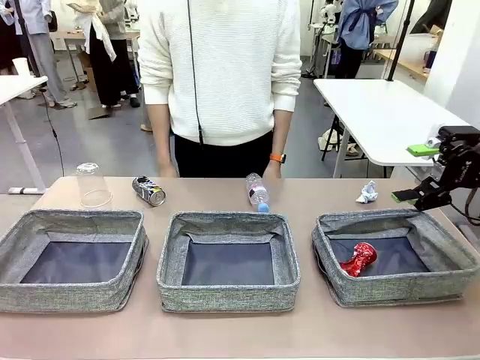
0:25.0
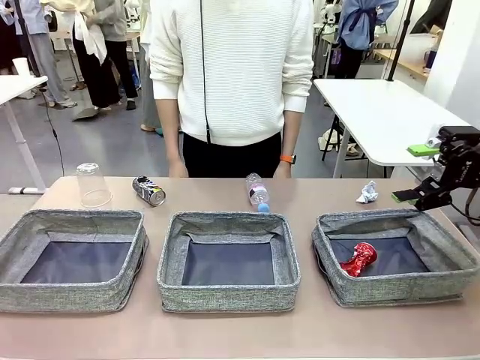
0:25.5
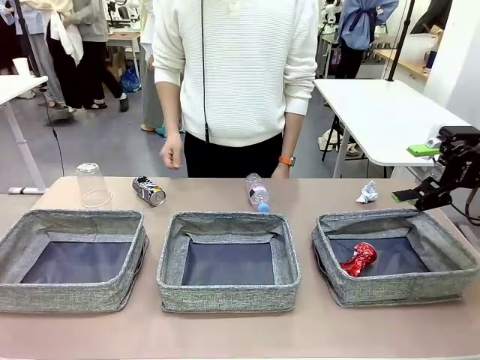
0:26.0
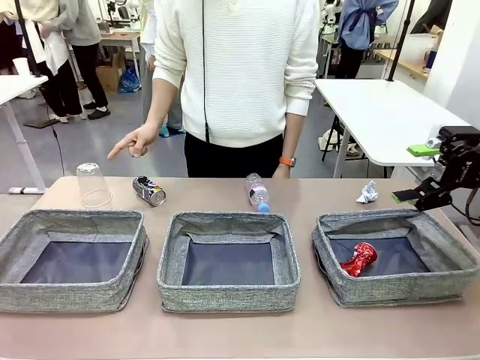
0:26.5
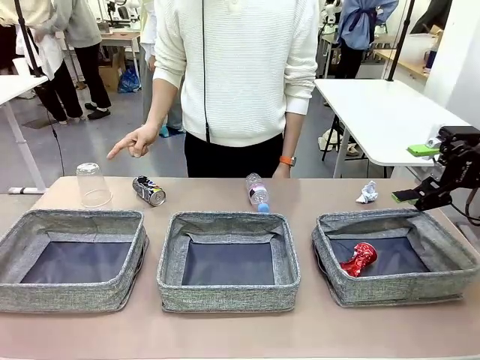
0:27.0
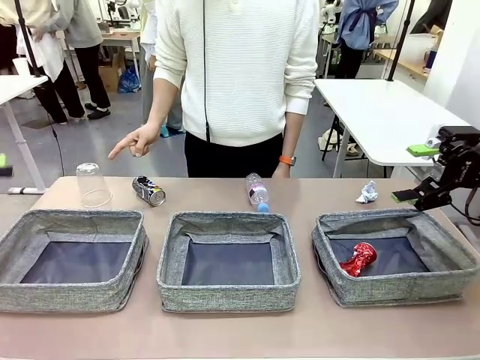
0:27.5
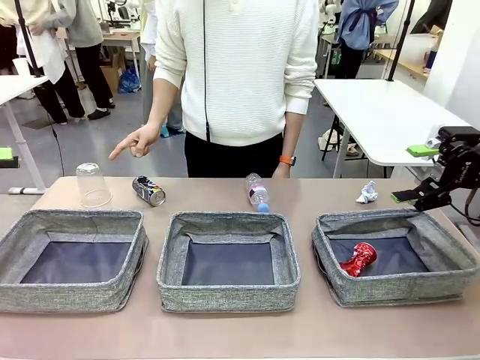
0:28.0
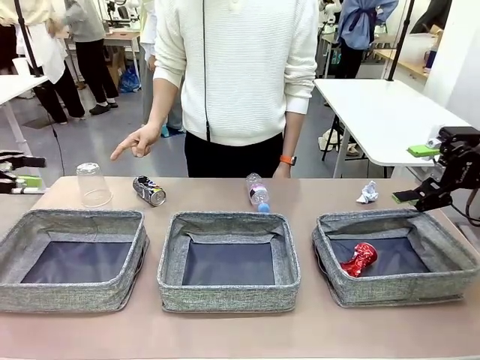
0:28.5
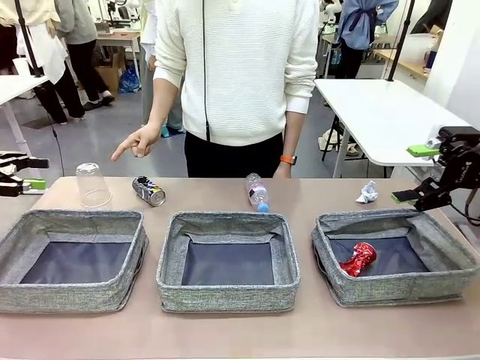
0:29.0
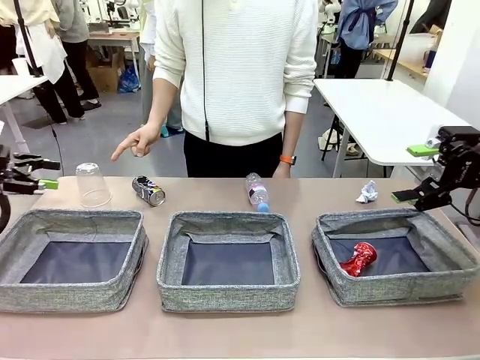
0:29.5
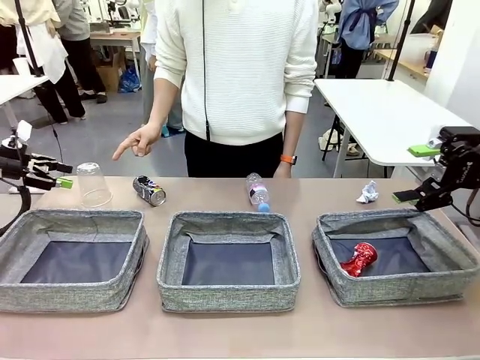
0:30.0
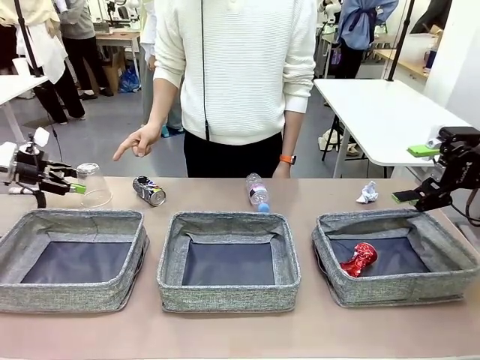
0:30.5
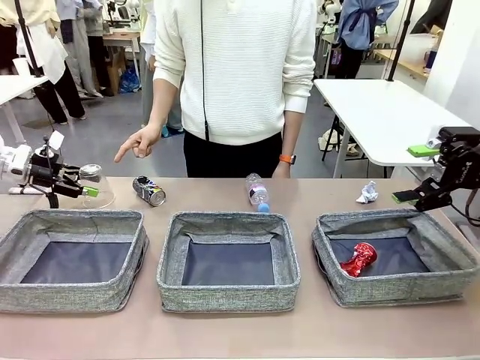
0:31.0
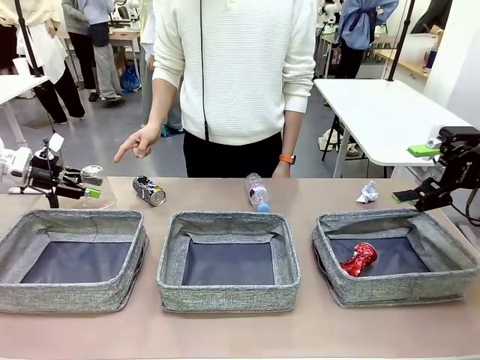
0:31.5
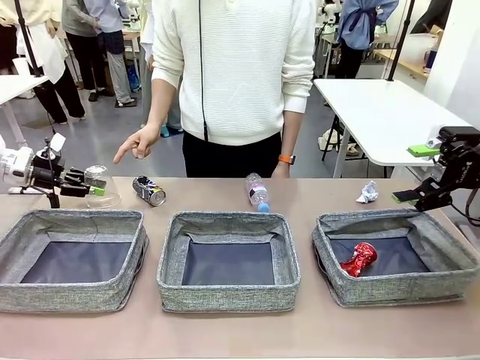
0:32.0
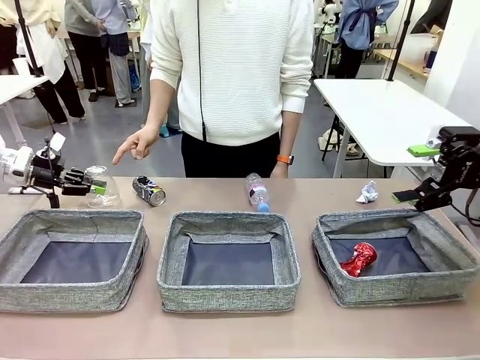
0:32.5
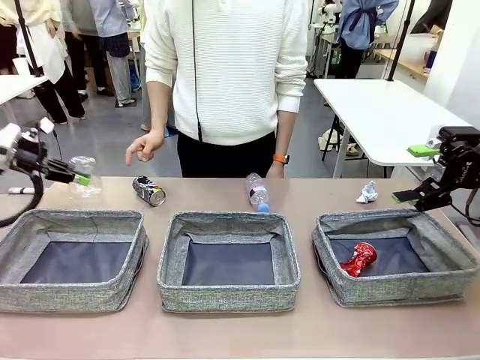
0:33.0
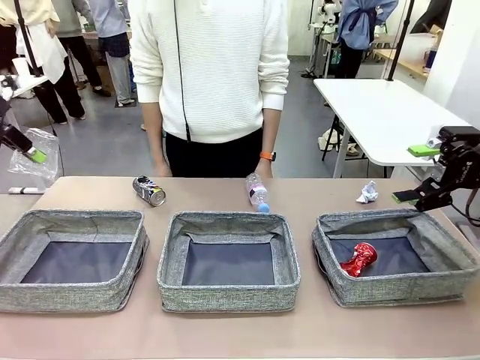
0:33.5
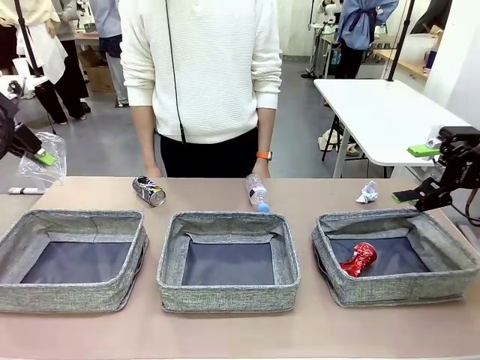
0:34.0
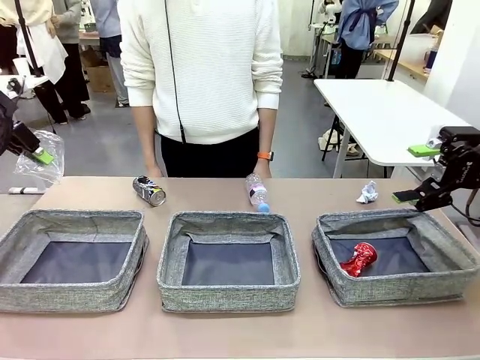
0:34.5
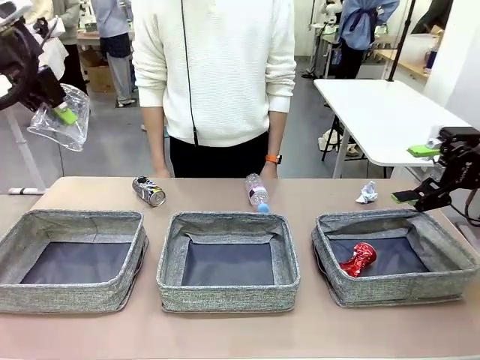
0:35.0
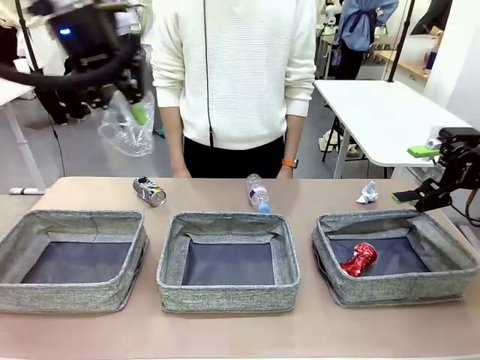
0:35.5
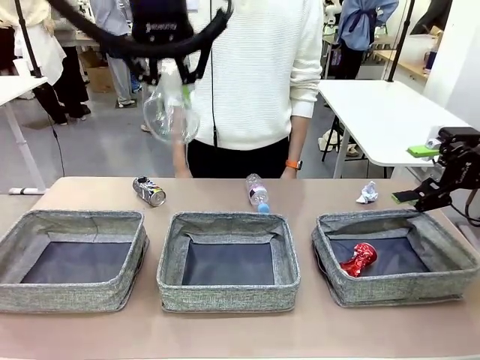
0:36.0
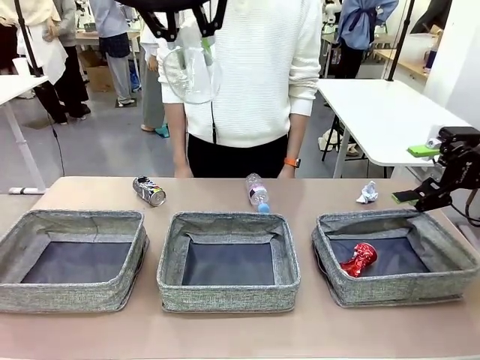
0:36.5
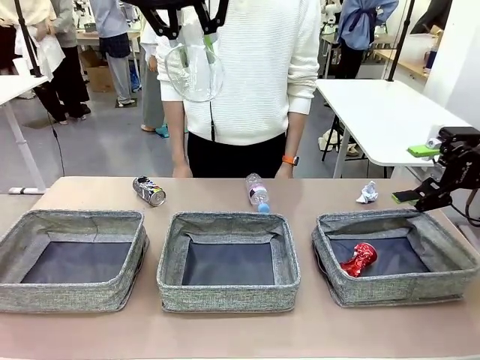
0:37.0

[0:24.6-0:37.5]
Task: Sort the waste into the appropriate baskets.
Robot: Pick up the waste item pointed out by the person.
Person: Points to one piece of trash on the table.

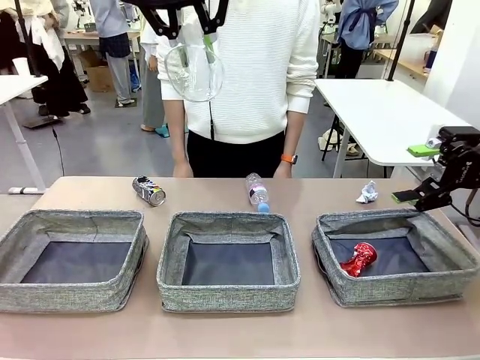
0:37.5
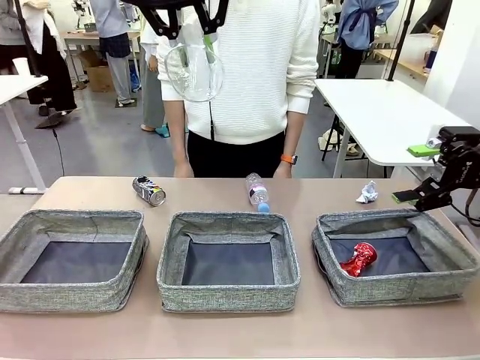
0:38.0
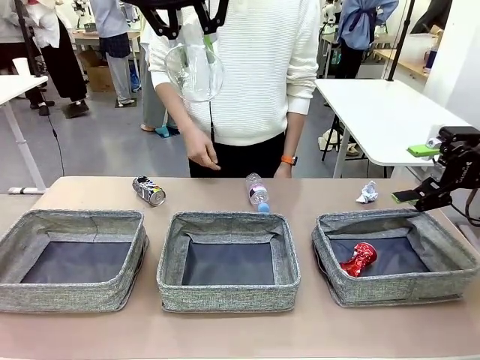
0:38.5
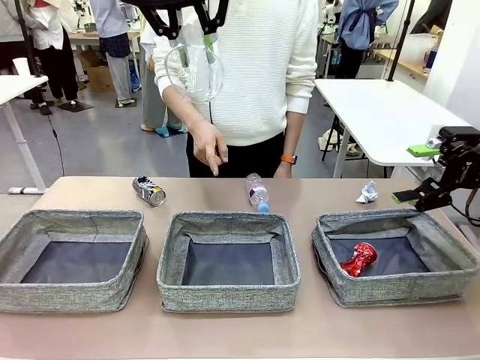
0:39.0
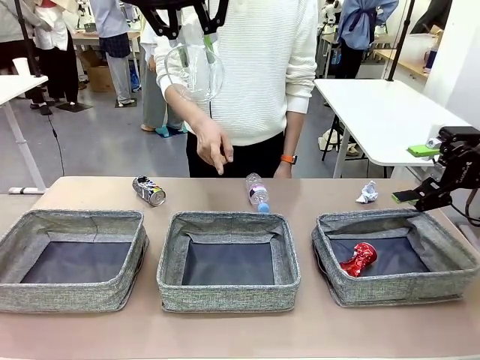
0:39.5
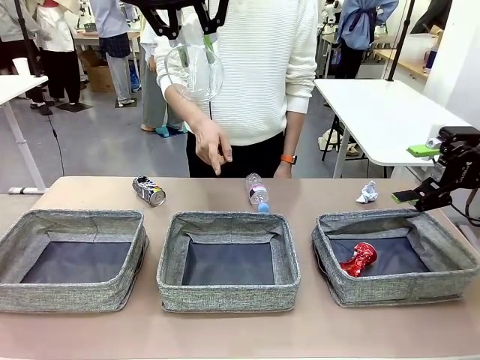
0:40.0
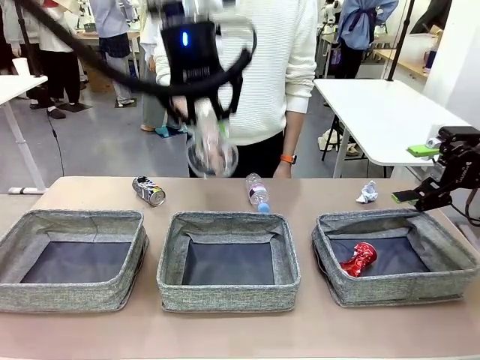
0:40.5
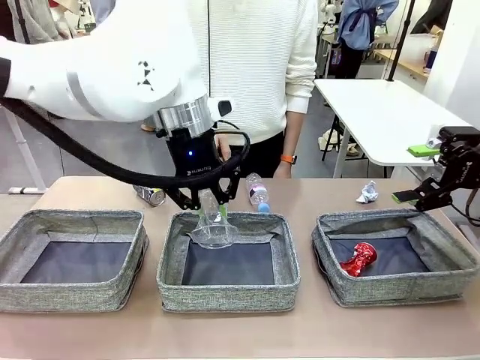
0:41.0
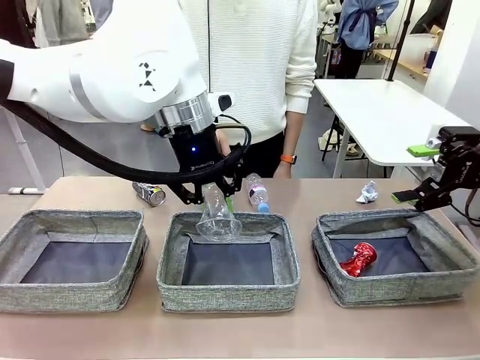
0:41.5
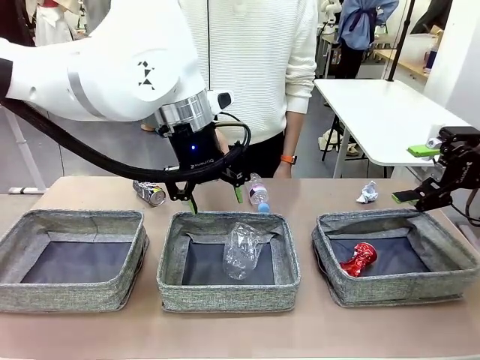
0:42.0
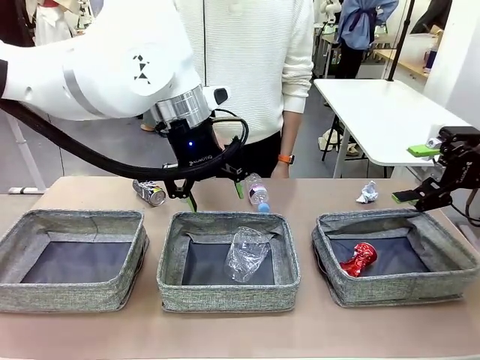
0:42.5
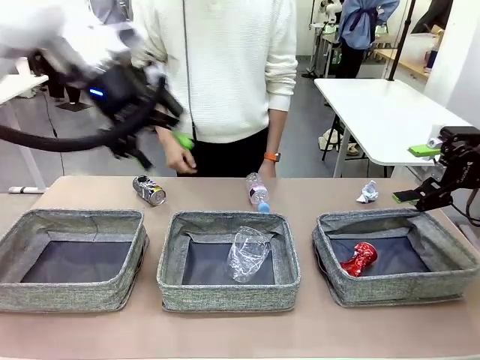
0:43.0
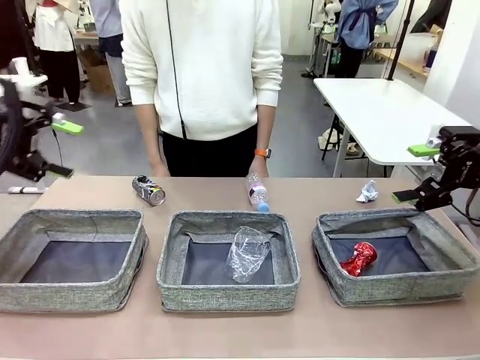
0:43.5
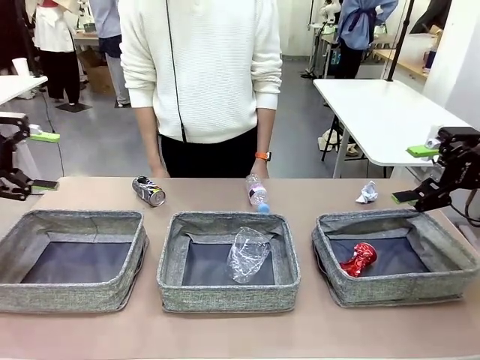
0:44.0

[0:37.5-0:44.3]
Robot: Place the picked waste into the Fabric basket indicated by the person.
Person: Instructs the robot to place the picked-up trash into the appropriate organizing basket.

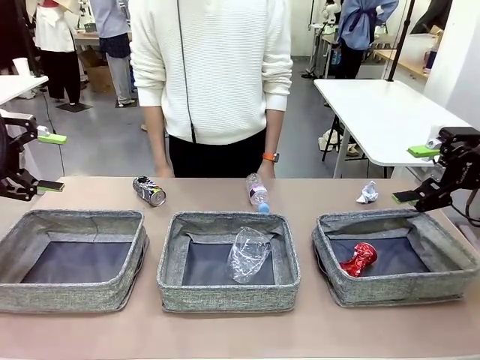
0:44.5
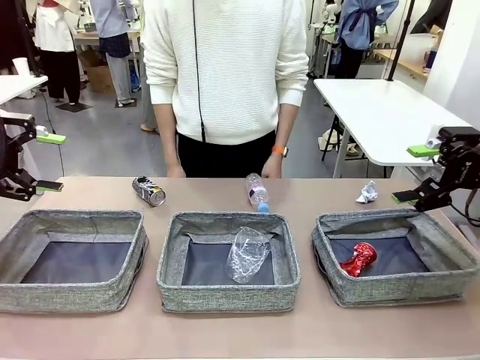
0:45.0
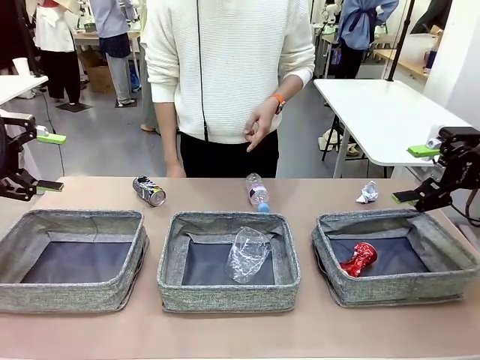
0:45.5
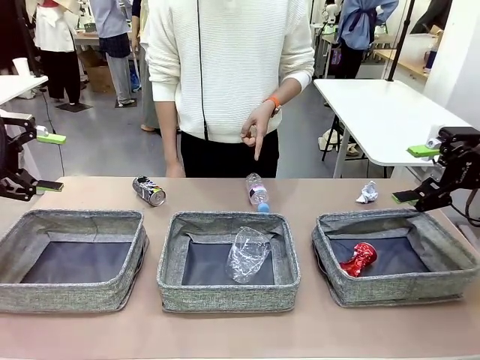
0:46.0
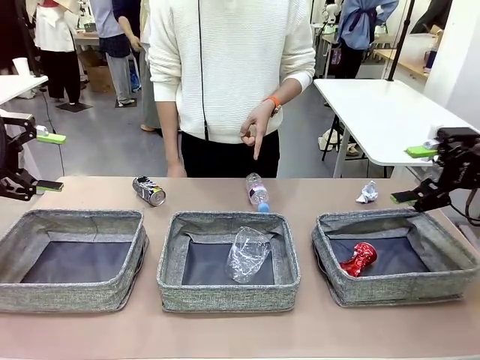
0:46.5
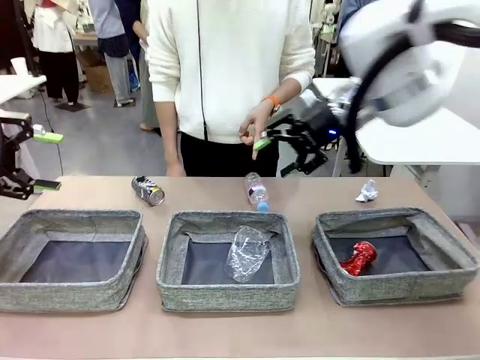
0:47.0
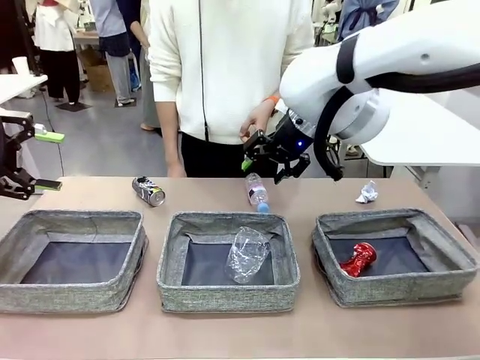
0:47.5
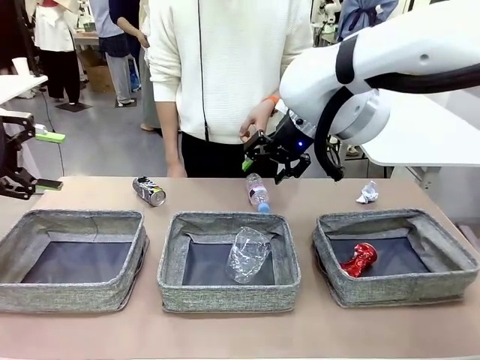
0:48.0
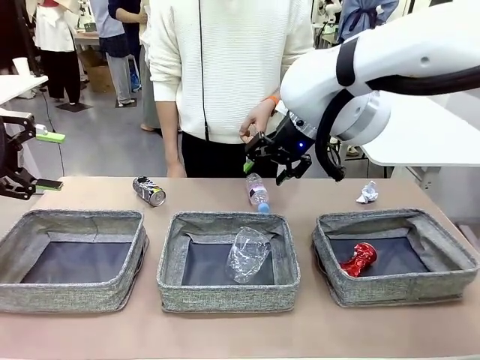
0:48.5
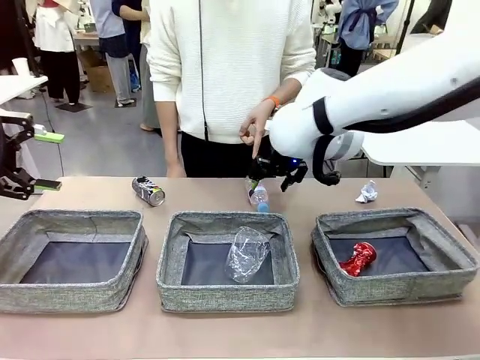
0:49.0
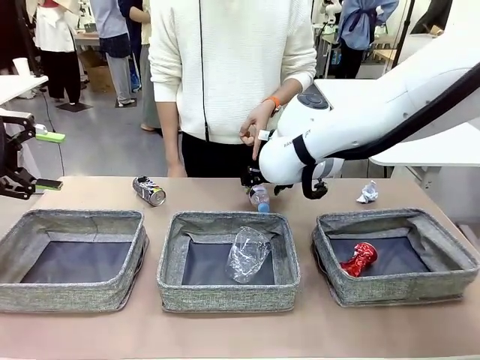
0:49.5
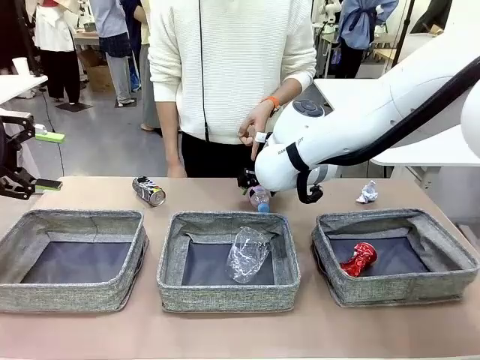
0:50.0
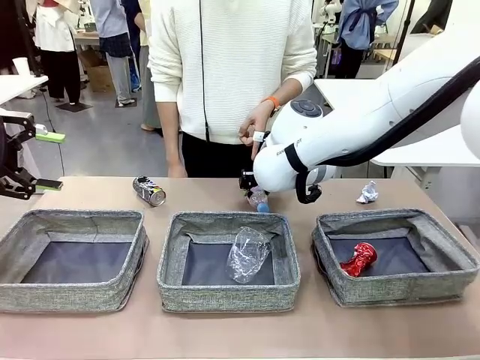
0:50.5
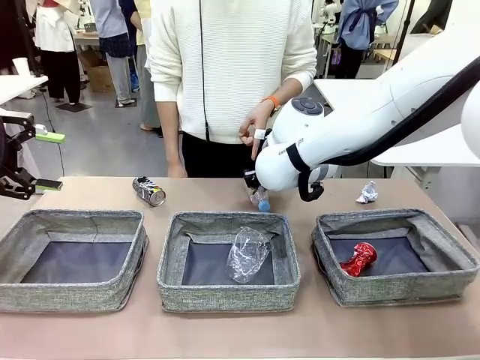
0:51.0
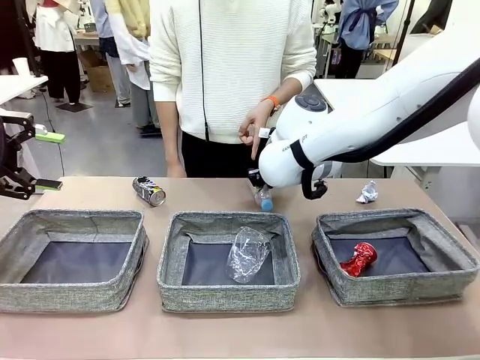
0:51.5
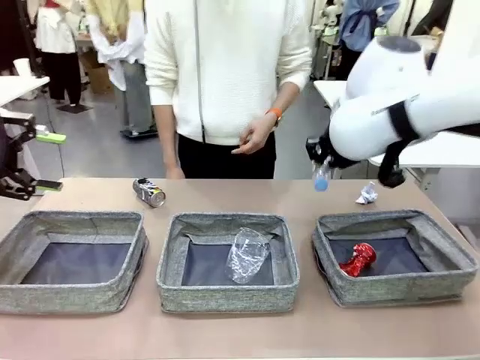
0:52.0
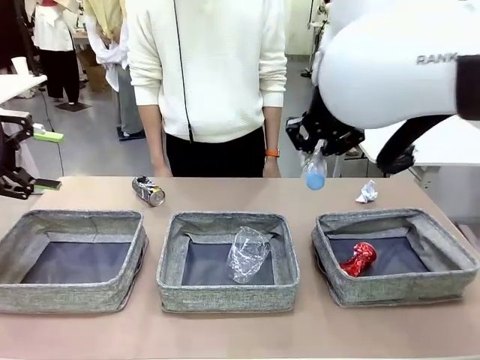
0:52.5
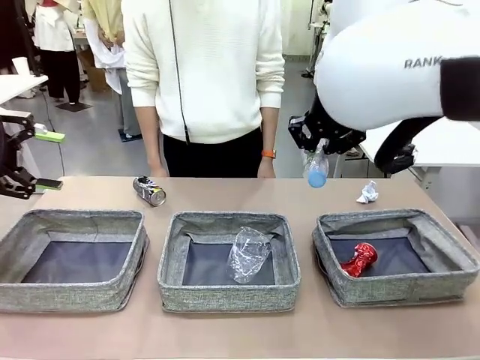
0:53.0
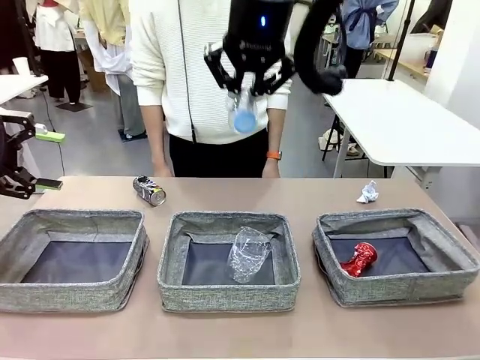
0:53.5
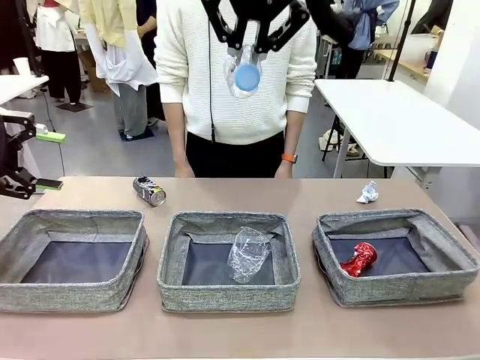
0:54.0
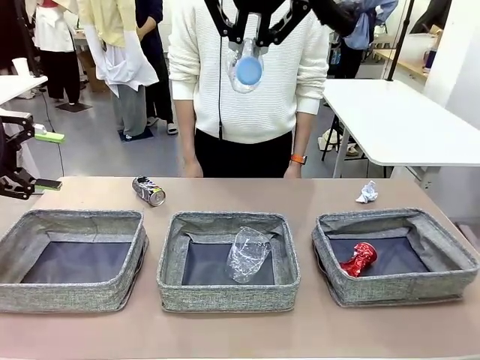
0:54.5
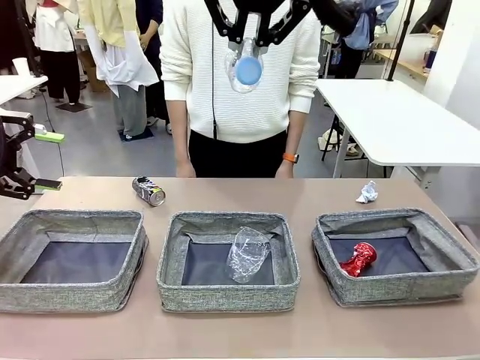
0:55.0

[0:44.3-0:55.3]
Robot: Pick up the waste item pointed out by the person.
Person: Points to one piece of trash on the table.
